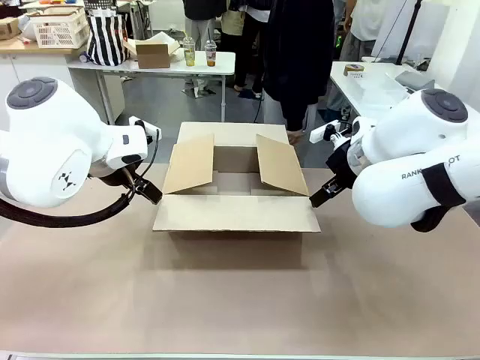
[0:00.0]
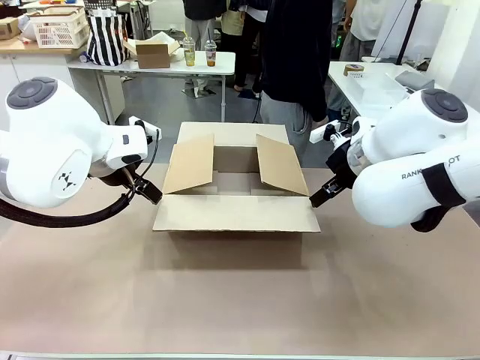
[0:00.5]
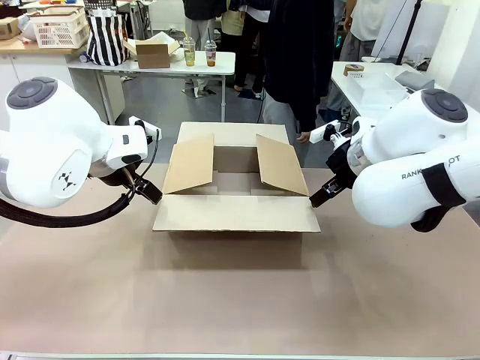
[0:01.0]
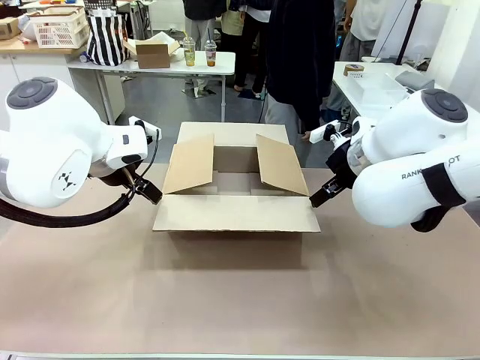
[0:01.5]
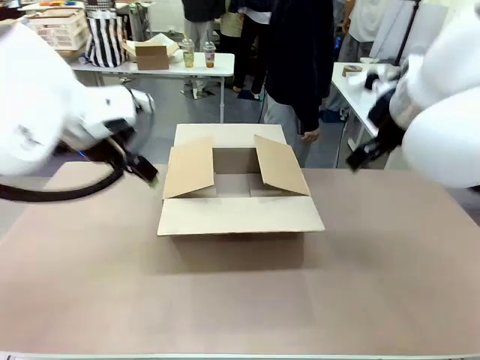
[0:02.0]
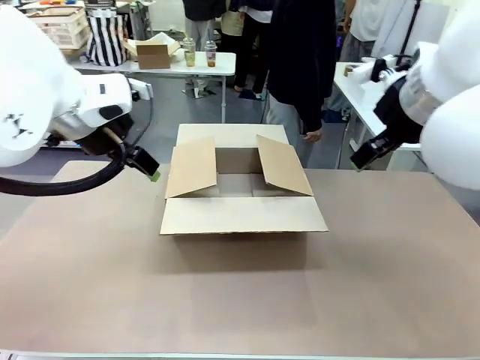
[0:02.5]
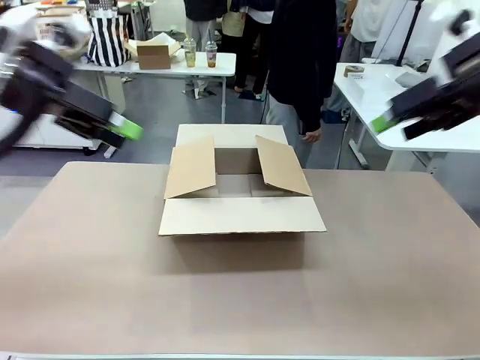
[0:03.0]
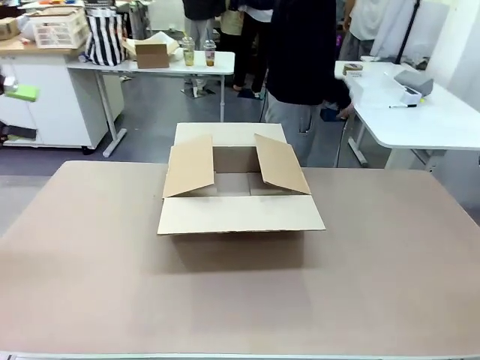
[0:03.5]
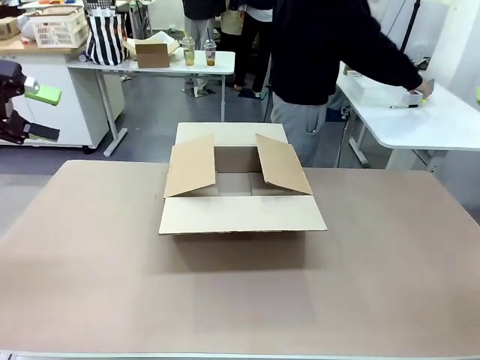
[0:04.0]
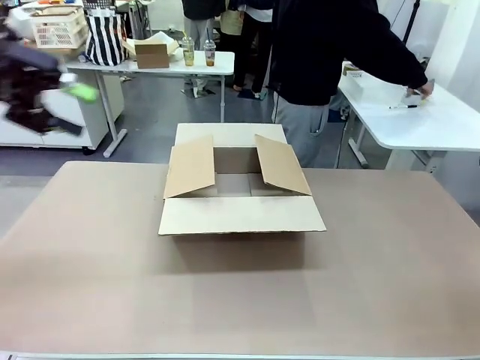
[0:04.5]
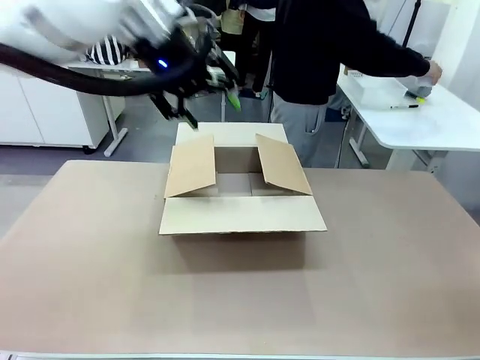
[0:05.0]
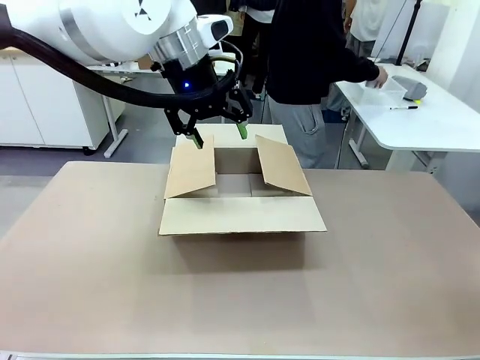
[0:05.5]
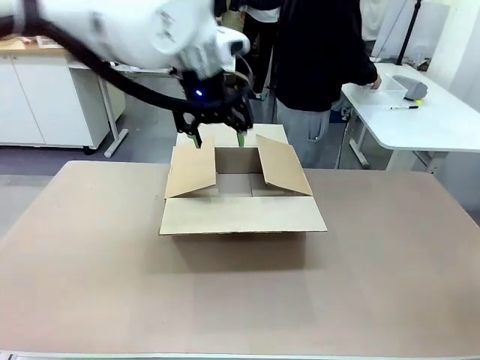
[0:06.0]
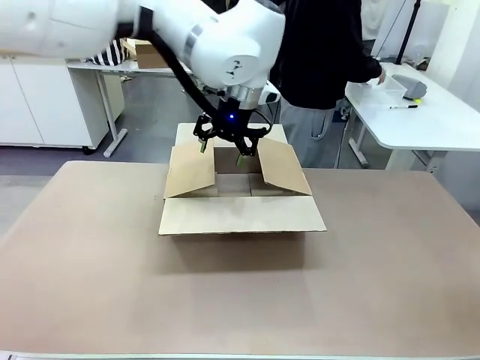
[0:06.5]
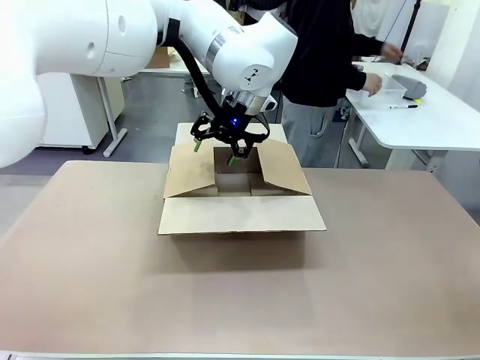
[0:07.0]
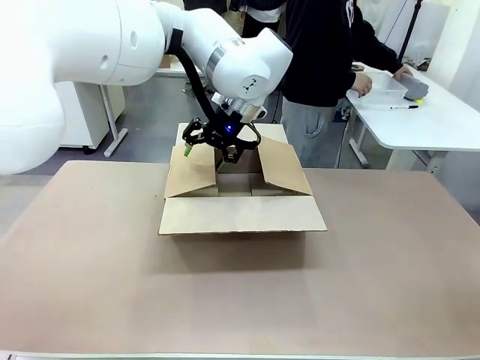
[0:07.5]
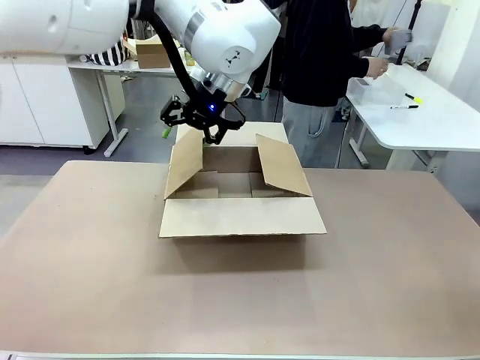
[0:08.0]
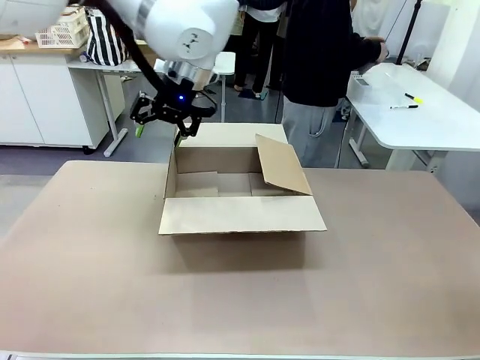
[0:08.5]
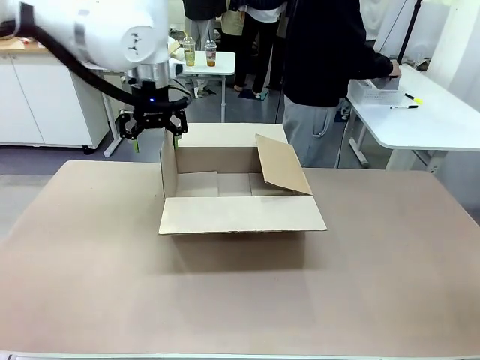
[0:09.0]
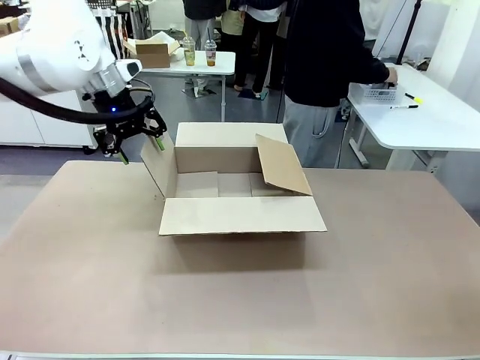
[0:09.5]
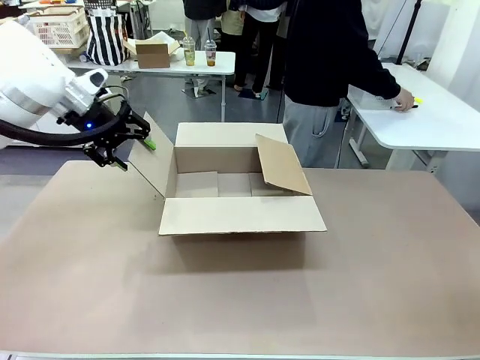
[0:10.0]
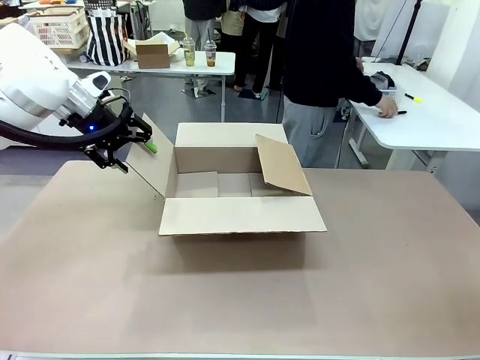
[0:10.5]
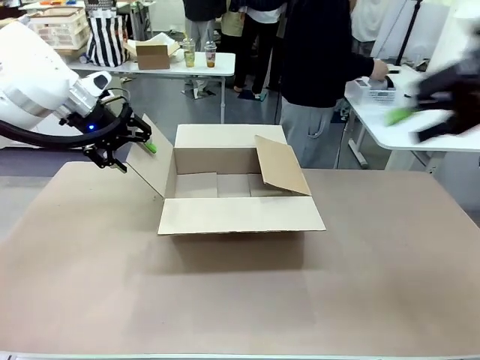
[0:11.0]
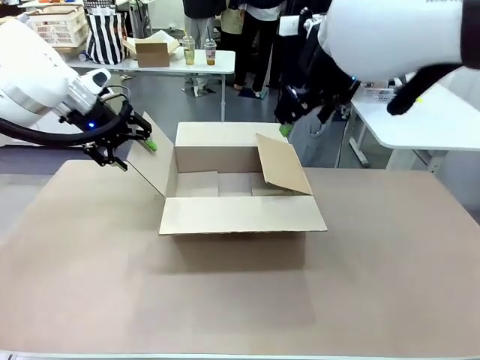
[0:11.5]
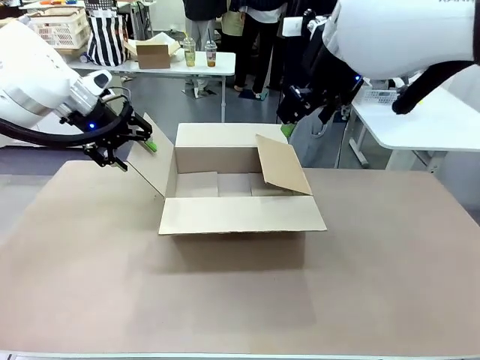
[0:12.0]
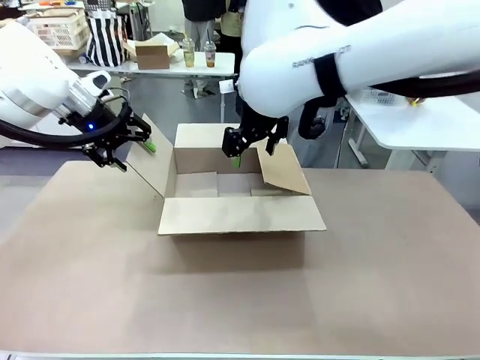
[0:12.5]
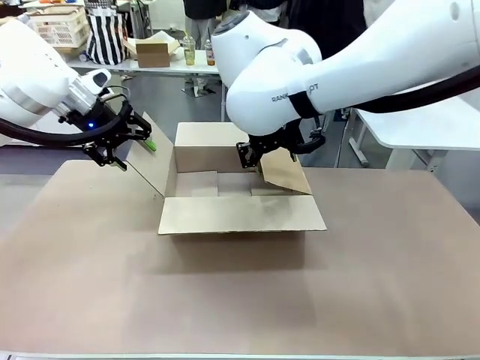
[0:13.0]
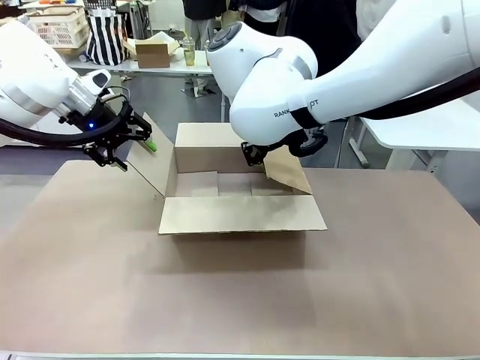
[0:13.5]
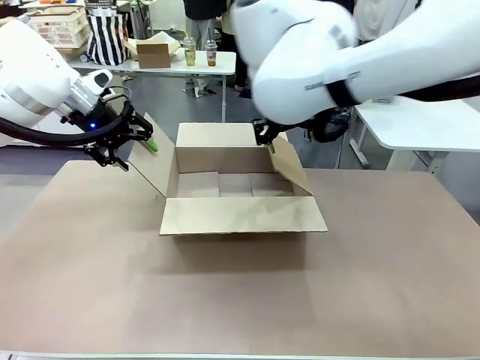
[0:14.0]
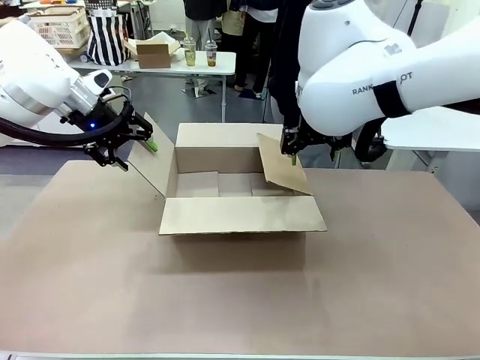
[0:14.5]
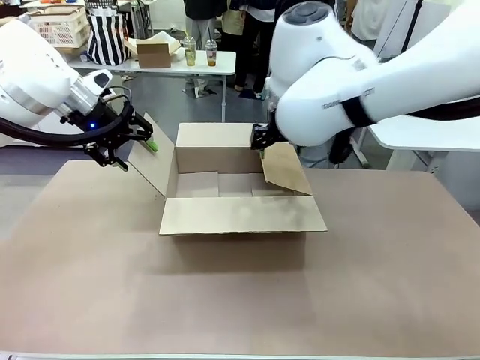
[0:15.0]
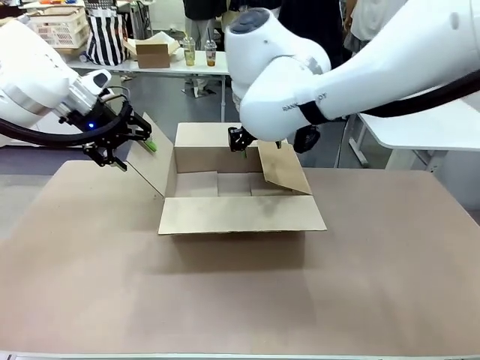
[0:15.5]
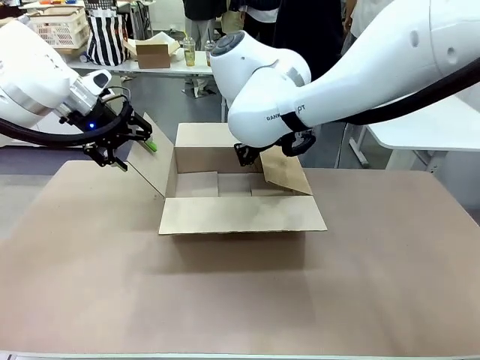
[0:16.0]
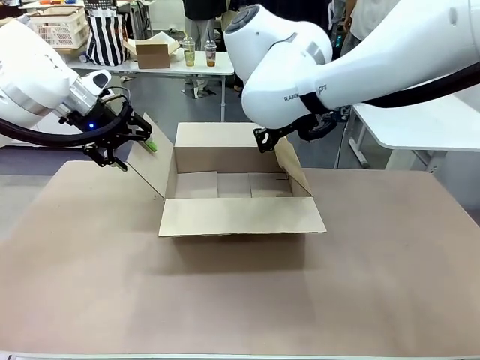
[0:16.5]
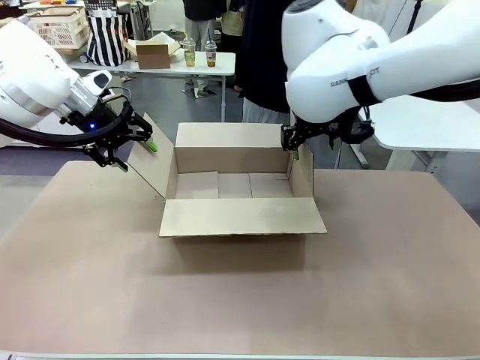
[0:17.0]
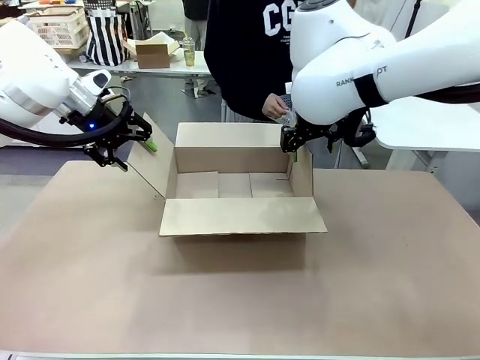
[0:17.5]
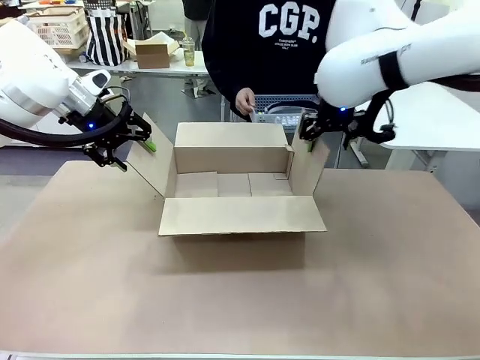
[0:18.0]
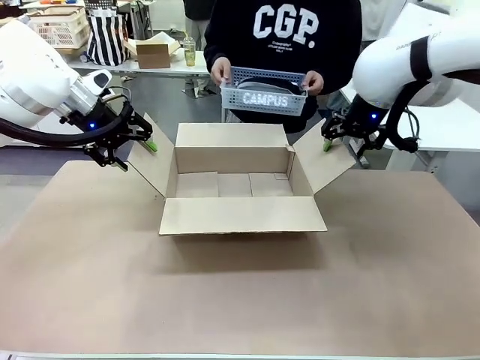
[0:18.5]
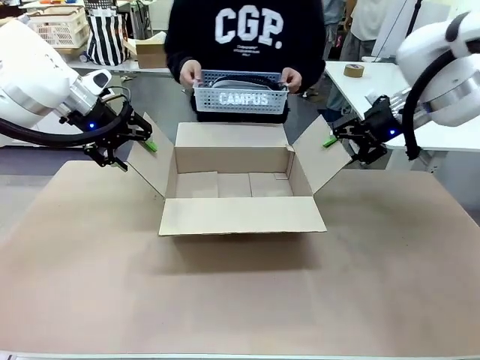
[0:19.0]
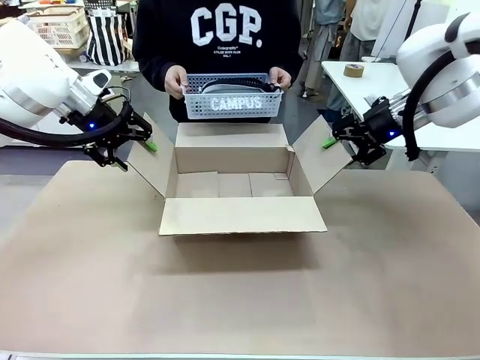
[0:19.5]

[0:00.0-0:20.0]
Task: Pack the gift set into the box.
Robot: Place both hands on the side flaps of the Package Box and spread them outward.
Person: The human places all items except the paper tape into the organizing basket. The human picks up the organizing basket and places the organizing basket into the package box on the robot table.

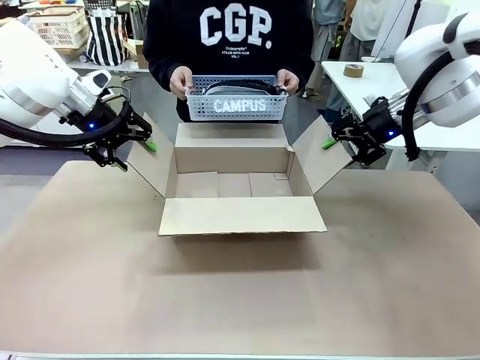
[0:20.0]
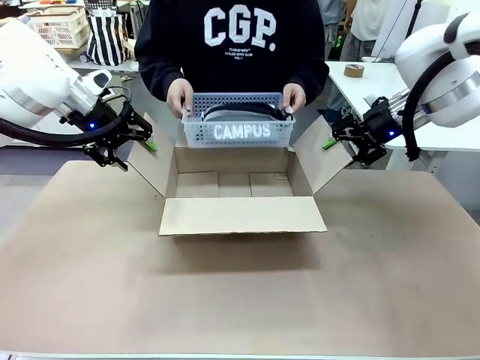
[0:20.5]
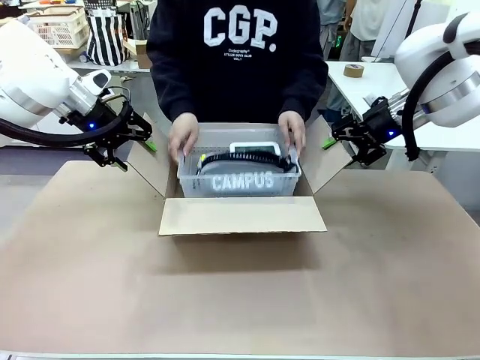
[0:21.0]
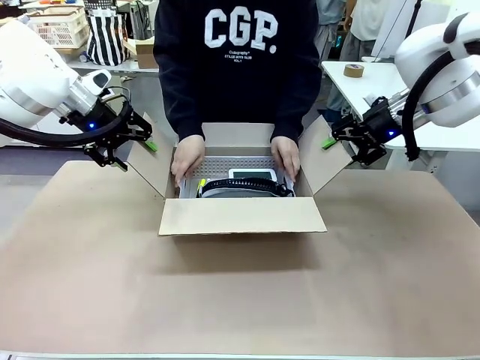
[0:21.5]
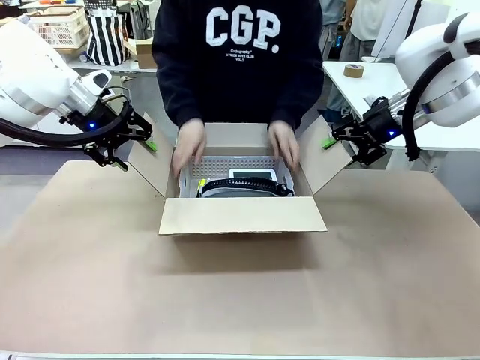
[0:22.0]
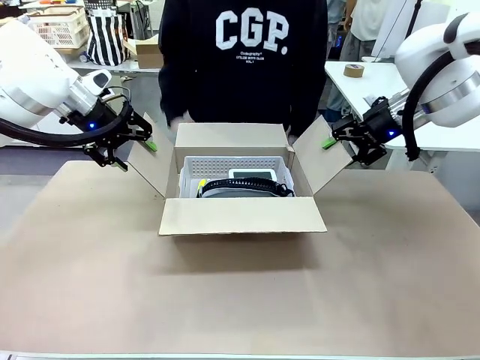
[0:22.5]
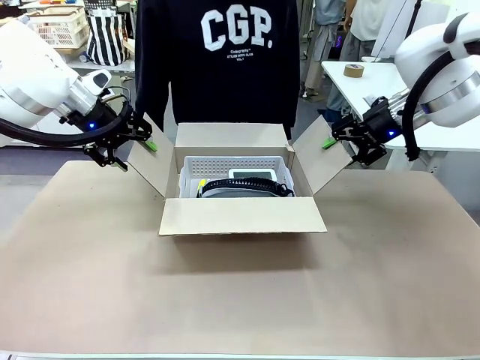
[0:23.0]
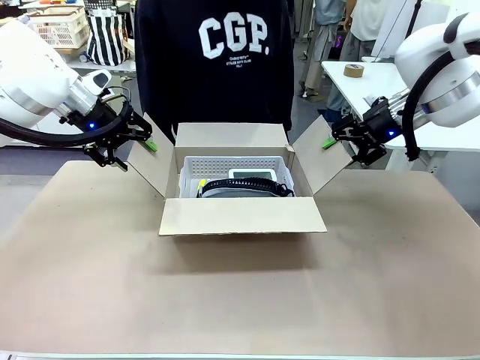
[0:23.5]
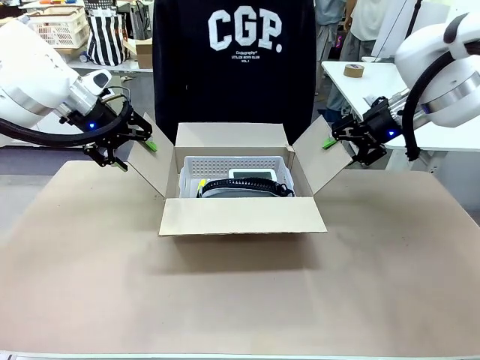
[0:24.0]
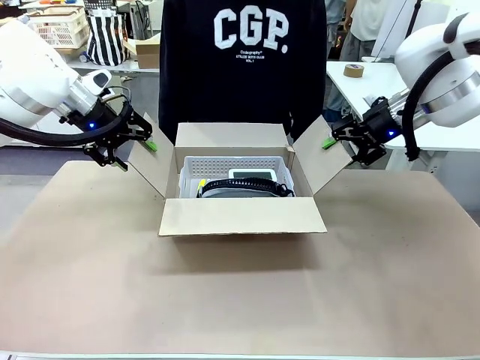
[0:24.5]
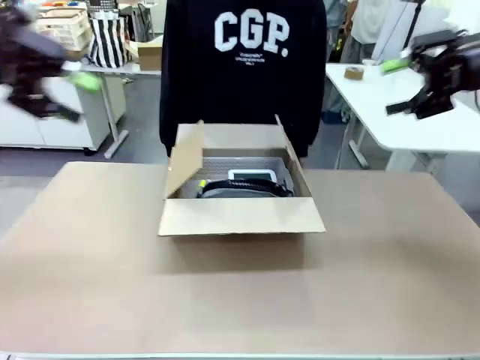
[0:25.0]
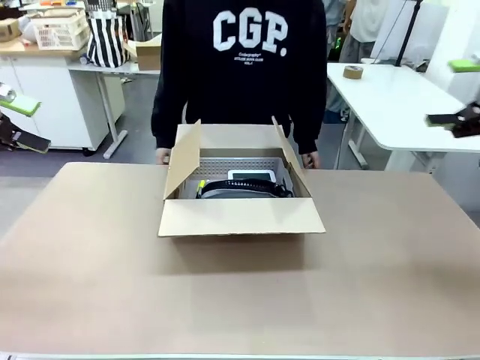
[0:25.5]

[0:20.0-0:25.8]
Robot: Lift both hands away from the flaps of the Package Box.
